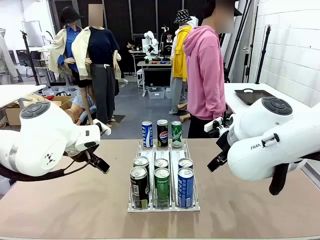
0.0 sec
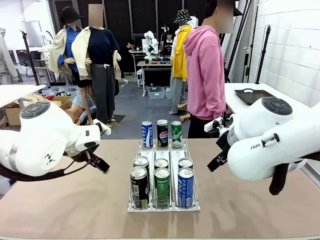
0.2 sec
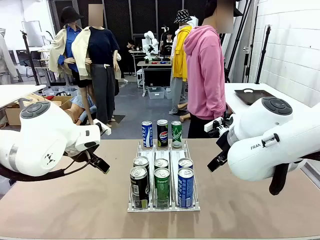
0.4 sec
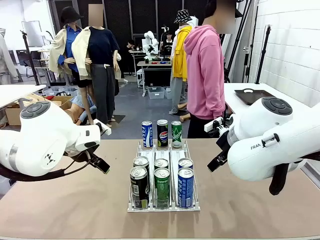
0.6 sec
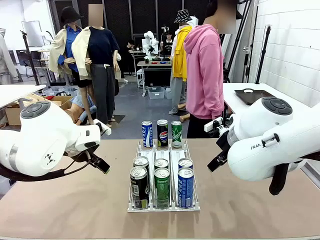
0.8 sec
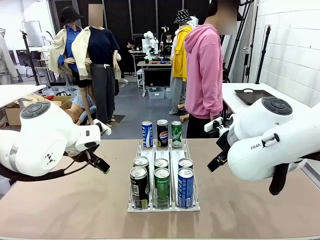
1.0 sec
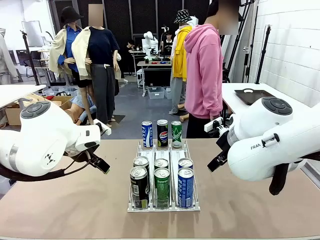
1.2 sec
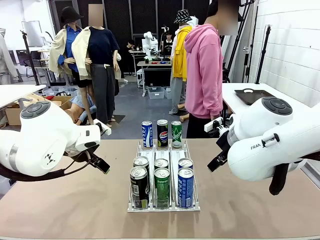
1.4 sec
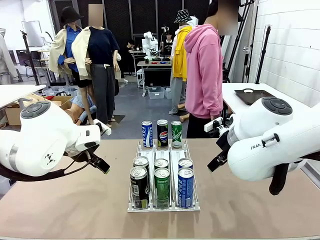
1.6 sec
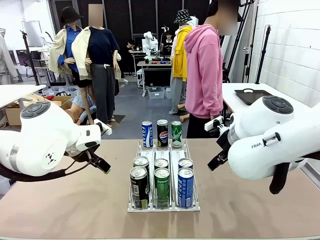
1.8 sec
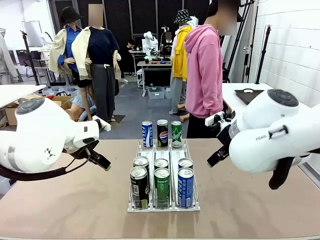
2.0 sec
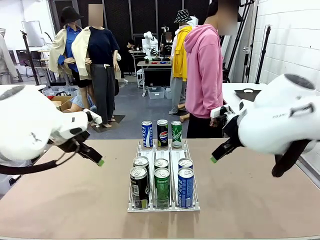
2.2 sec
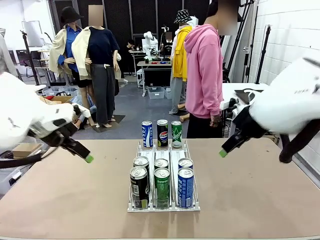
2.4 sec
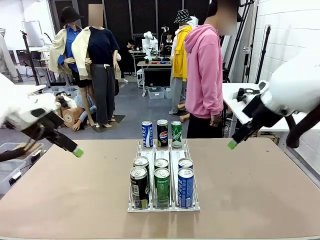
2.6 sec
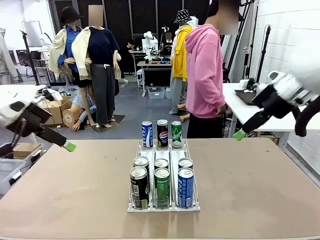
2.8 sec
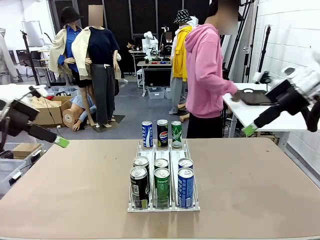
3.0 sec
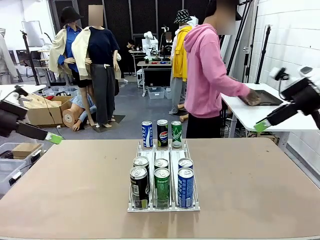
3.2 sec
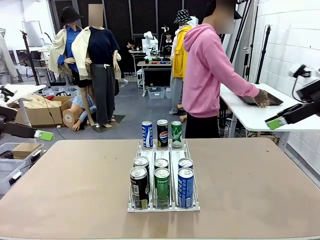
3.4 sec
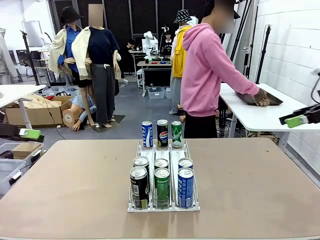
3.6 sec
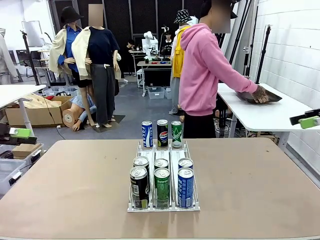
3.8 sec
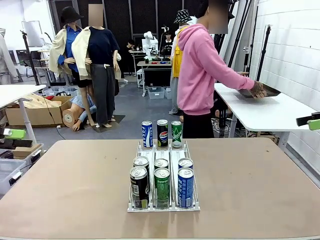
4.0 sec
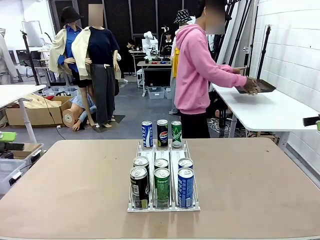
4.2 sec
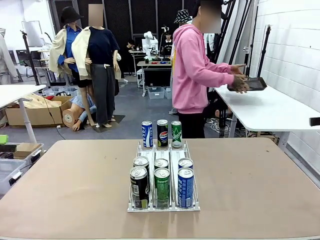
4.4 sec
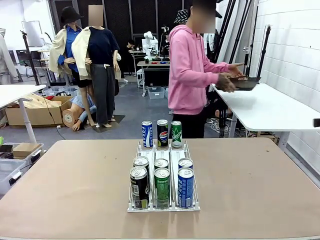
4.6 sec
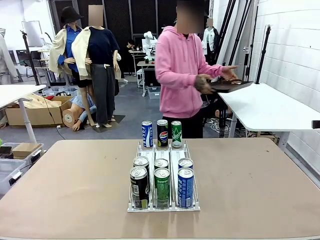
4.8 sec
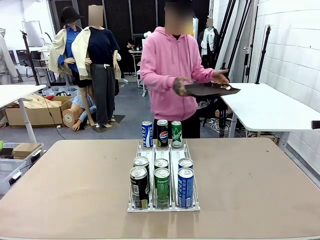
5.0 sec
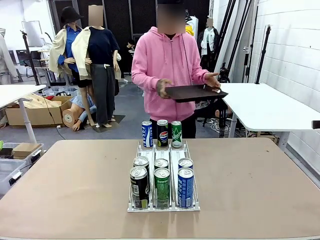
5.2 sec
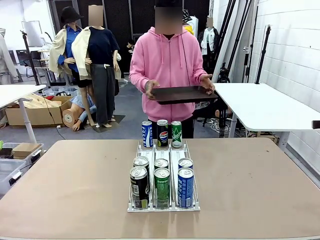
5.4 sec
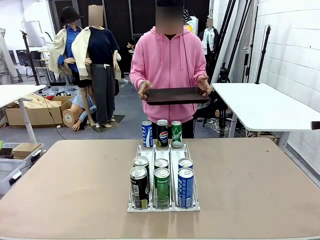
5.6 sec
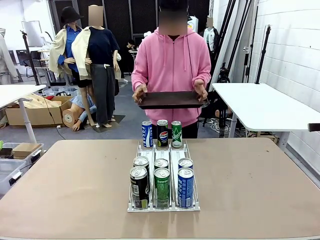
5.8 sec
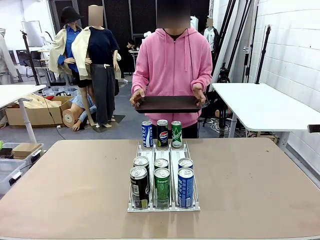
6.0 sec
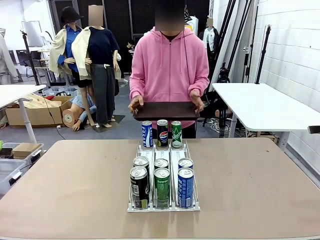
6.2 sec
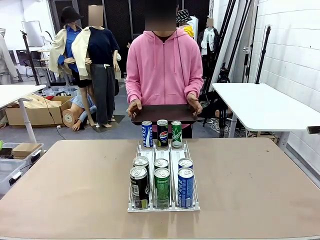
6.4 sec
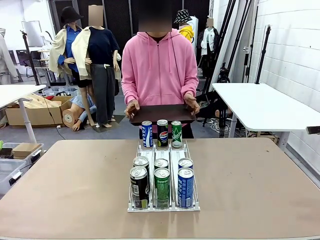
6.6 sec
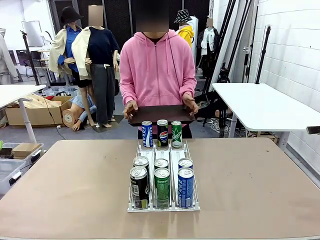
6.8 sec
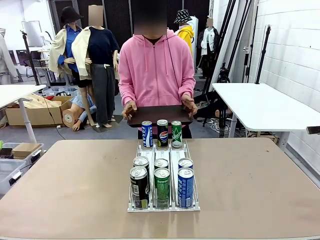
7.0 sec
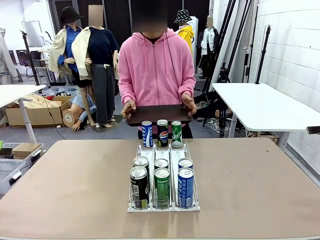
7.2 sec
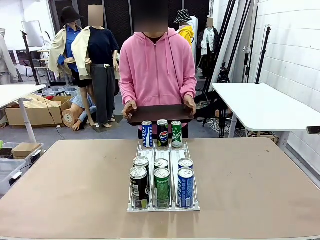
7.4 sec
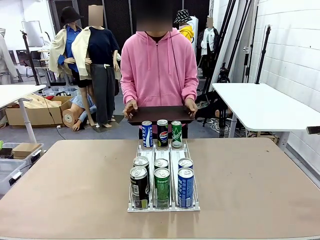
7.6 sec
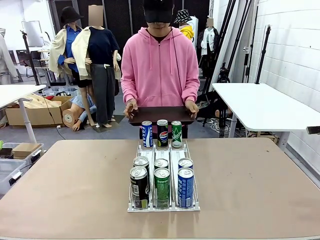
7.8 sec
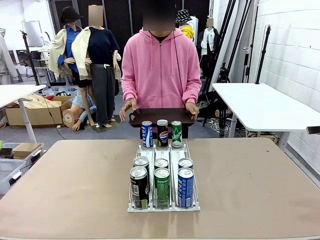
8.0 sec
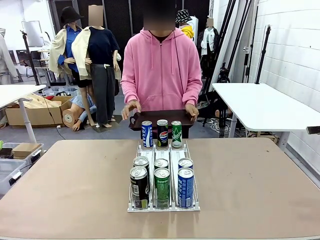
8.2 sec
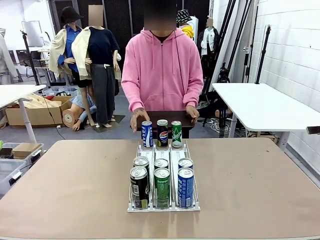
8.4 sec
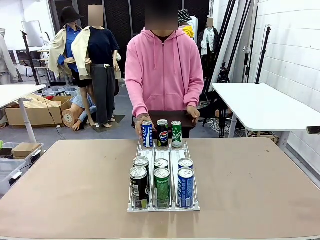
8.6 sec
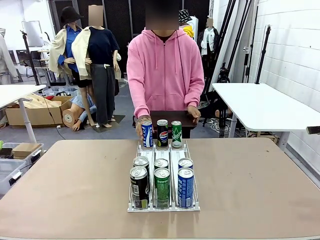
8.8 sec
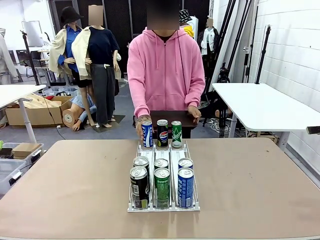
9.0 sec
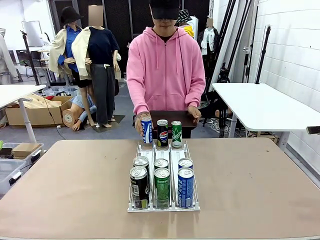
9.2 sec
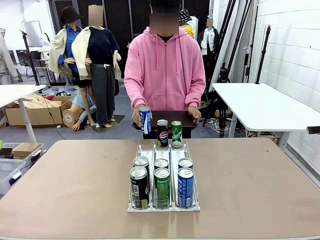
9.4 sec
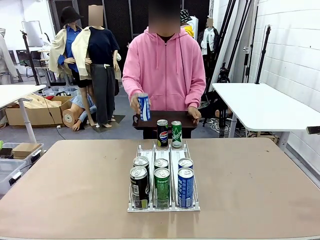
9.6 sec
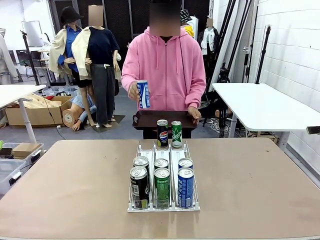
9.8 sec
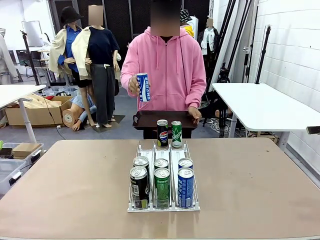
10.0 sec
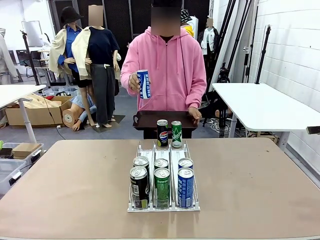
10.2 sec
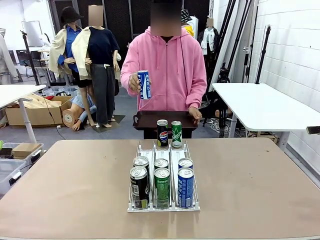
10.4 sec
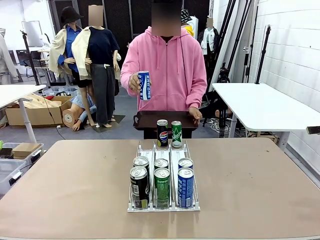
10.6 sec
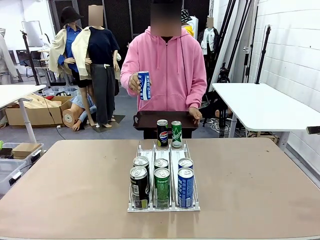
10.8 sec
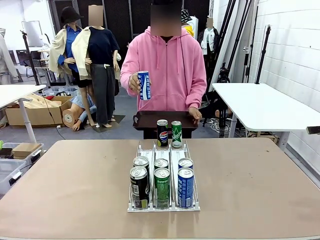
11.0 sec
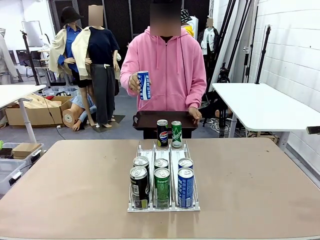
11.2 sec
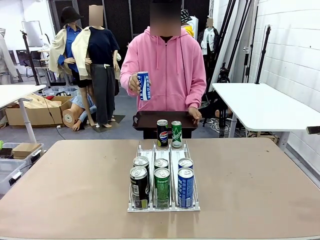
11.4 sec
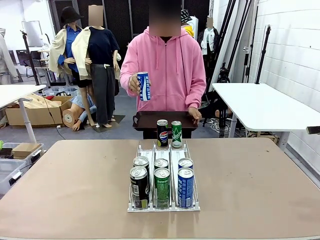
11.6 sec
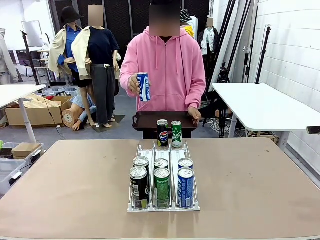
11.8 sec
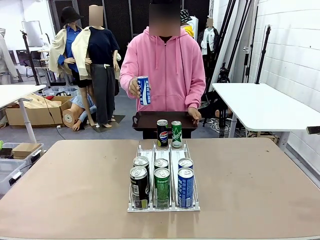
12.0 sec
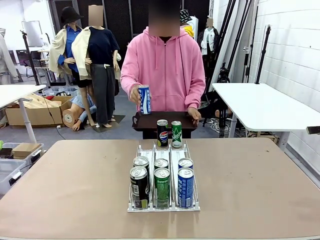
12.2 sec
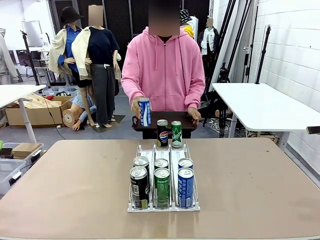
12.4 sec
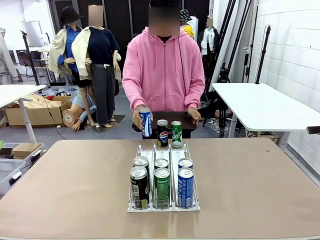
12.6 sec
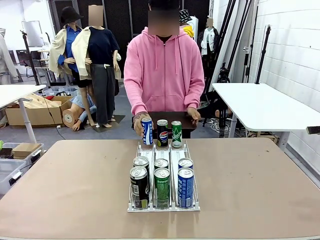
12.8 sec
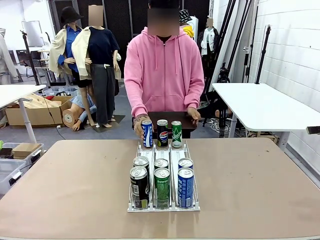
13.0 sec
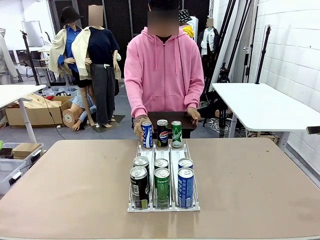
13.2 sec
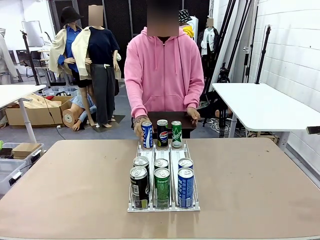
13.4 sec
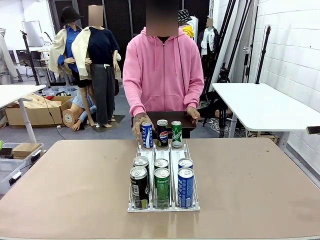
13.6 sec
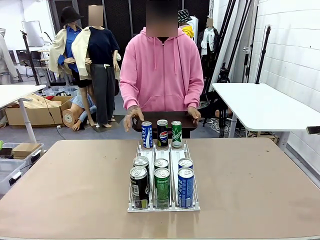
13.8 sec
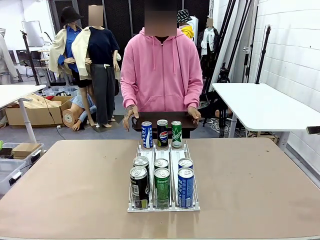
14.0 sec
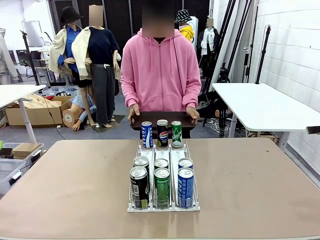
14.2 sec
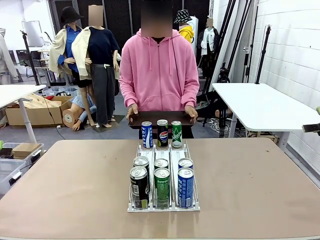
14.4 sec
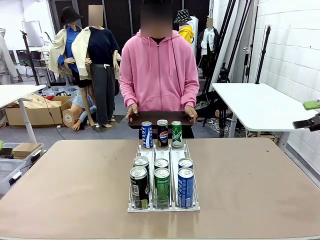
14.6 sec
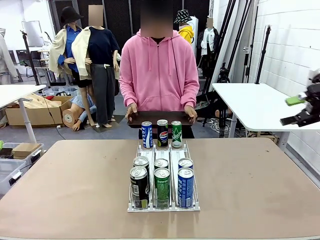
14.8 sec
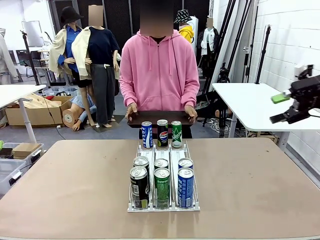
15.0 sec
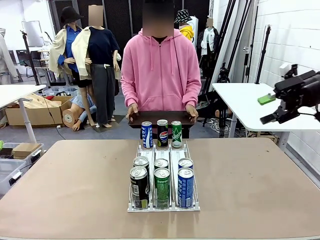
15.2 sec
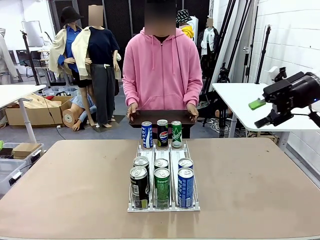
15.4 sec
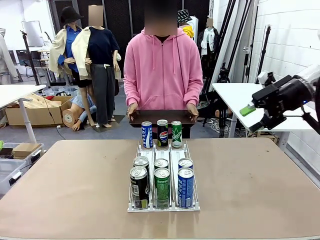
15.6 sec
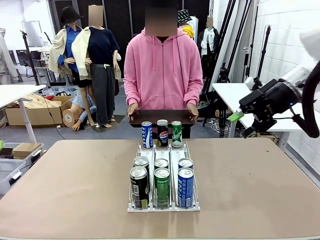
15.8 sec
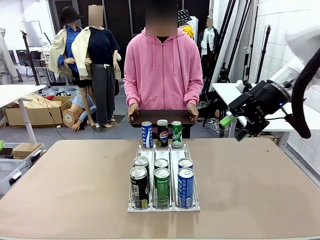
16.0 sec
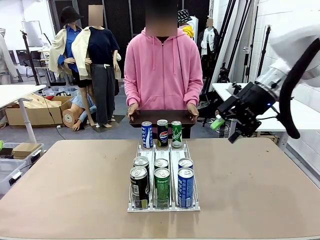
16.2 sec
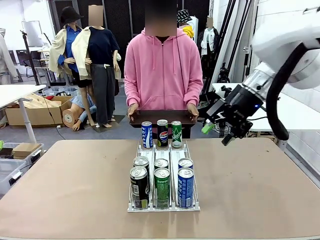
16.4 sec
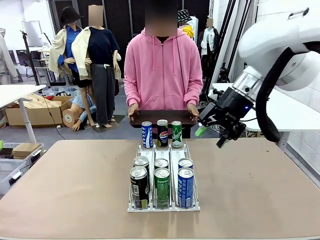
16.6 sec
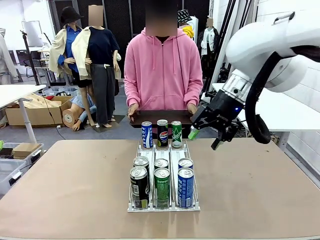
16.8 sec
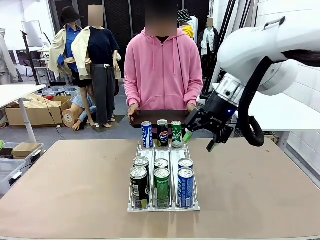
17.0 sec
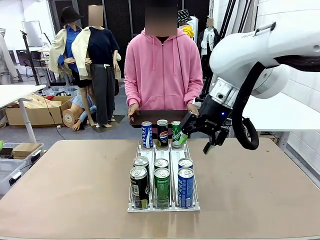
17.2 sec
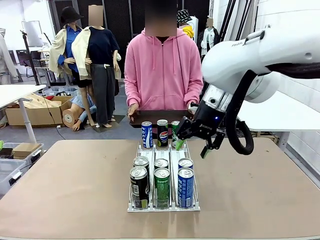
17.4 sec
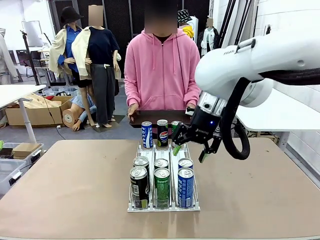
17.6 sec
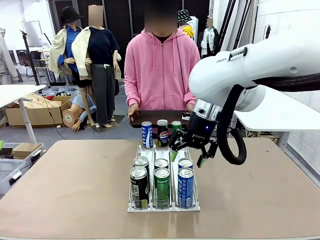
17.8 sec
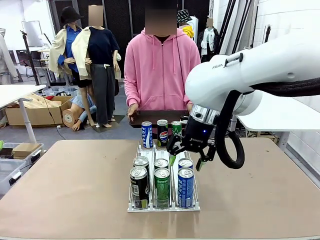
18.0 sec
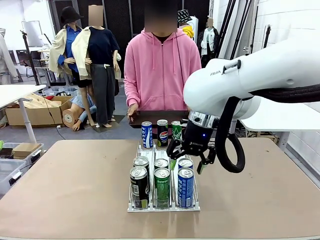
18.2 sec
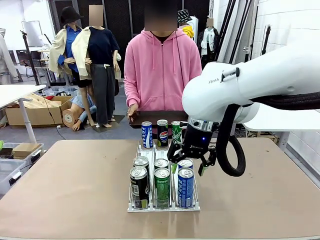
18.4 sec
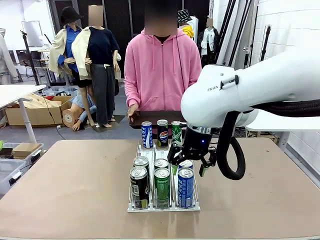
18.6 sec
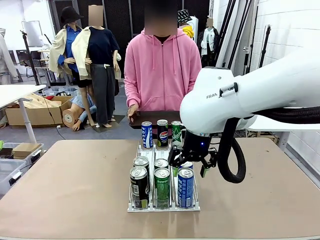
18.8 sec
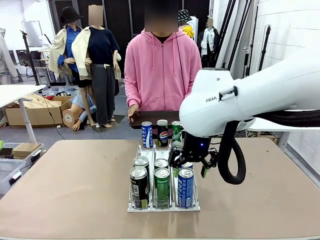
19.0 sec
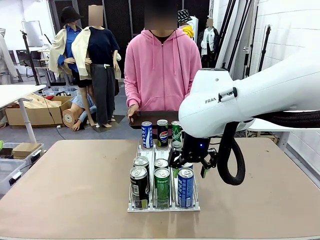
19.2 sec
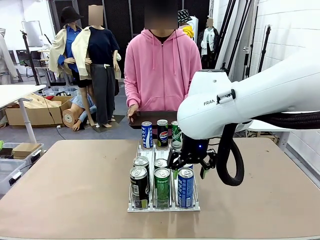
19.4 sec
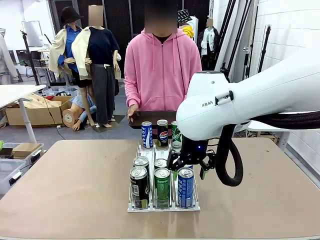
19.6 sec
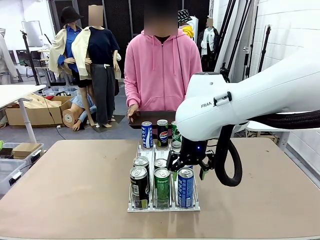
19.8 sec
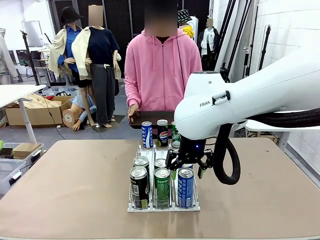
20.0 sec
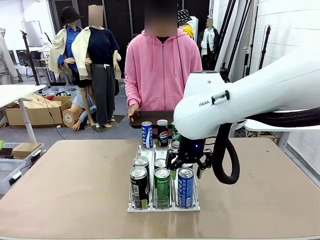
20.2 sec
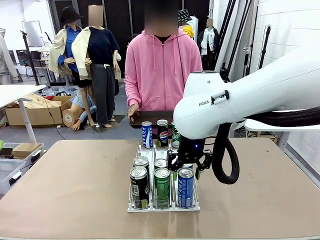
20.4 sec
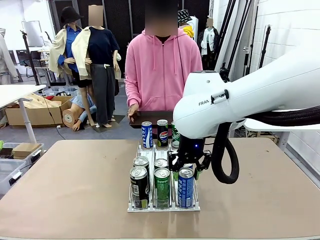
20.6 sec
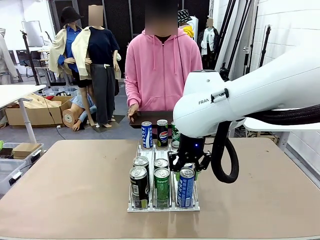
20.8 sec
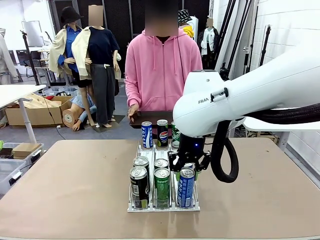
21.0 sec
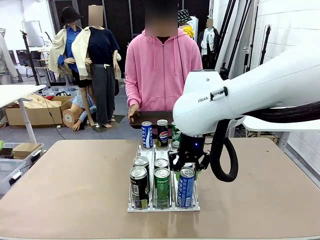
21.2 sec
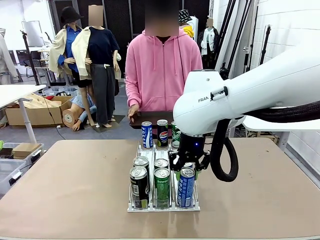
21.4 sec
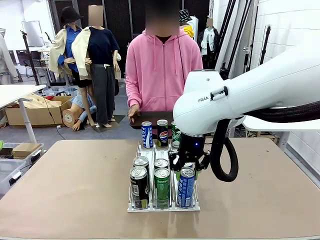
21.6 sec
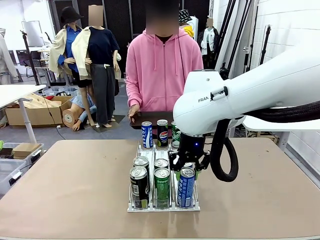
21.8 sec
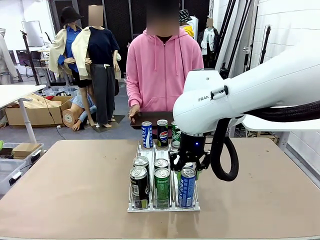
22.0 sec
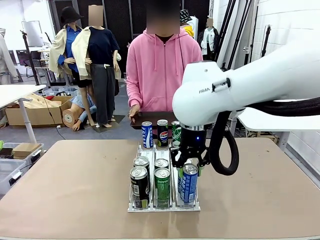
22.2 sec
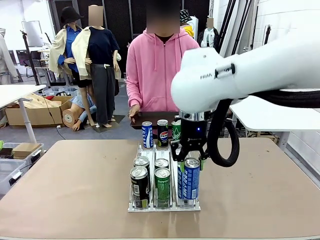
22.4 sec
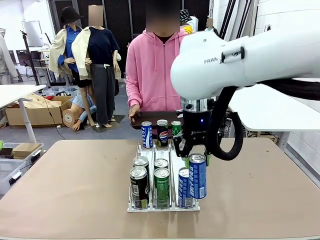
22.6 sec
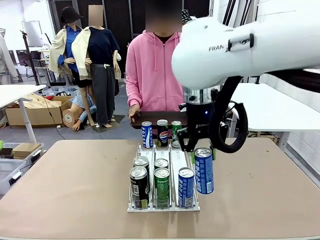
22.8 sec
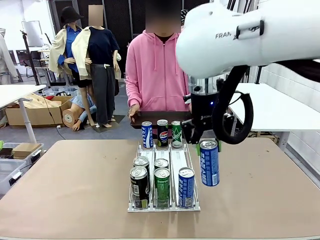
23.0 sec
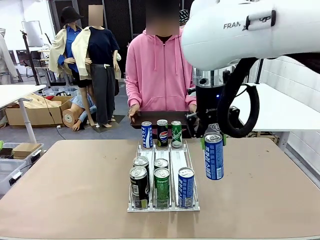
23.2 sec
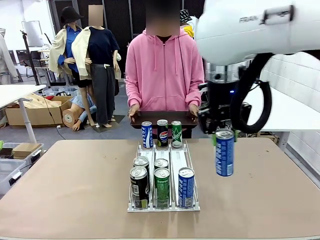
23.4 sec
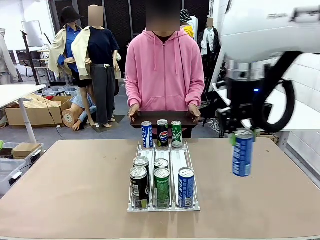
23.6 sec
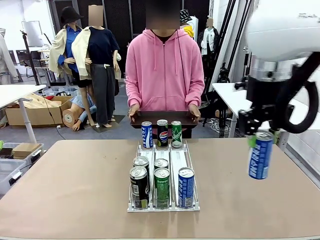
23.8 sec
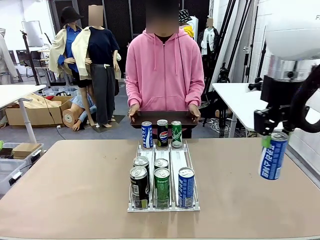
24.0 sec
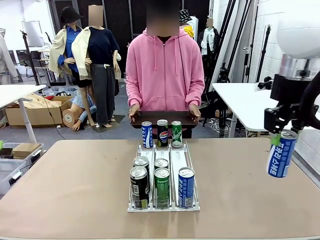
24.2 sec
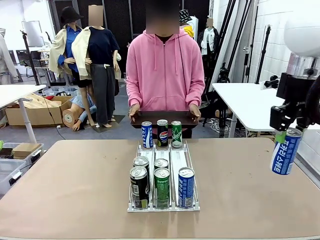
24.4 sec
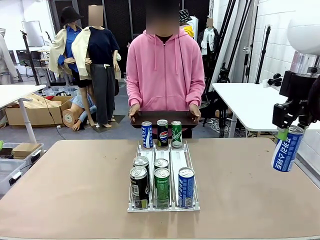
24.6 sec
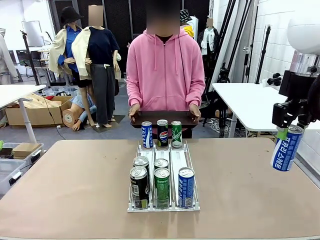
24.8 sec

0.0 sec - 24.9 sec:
Task: Retrieve and hand over the desired beverage to the person.
Robot: Pick up a can of the same type that the person held from the Automatic Can Dispenser.
Person: Hold the tray and position yourself in front of the robot table. Pick up one can from the bottom area of the table and puts it back in its original place. Push the tray toward the robot.
